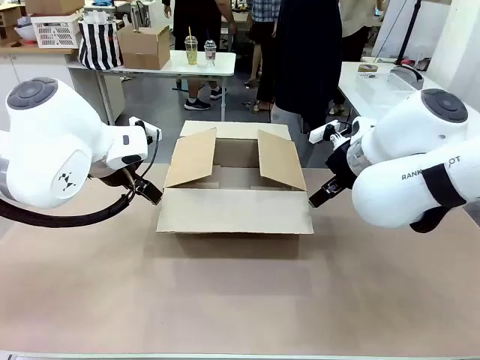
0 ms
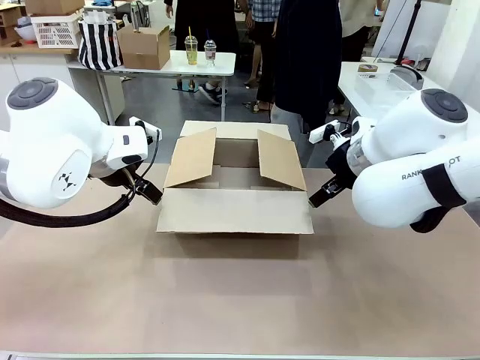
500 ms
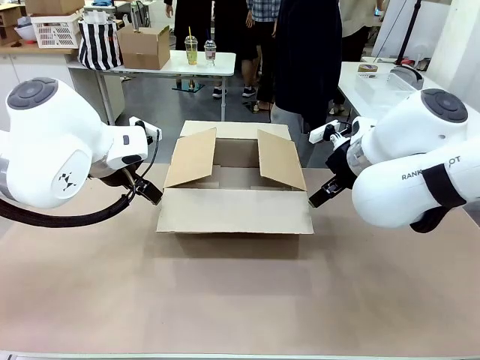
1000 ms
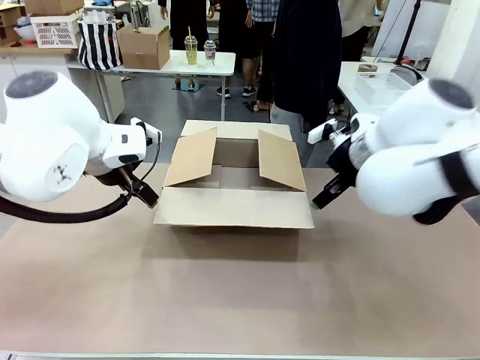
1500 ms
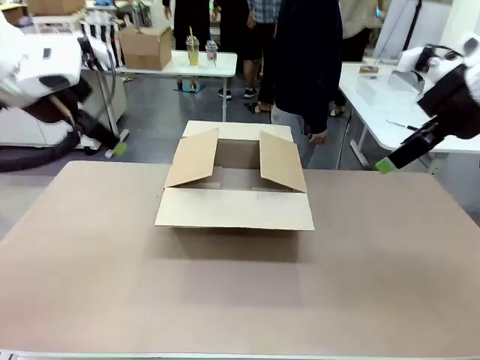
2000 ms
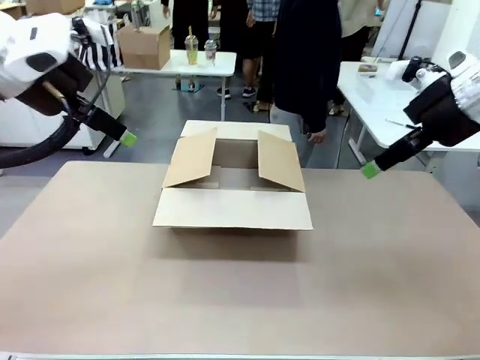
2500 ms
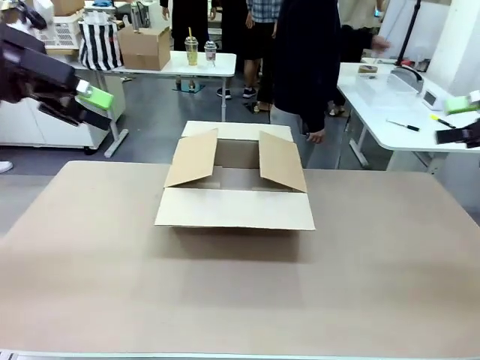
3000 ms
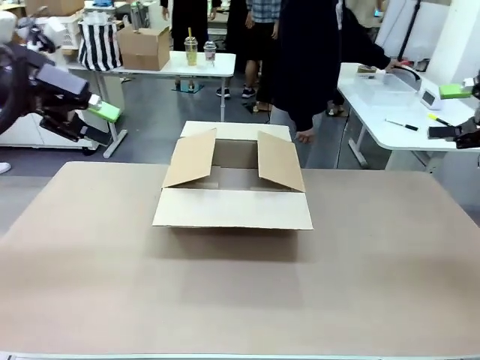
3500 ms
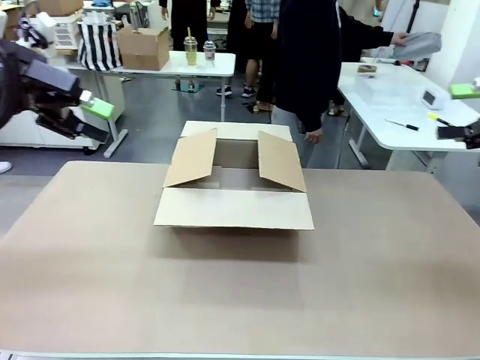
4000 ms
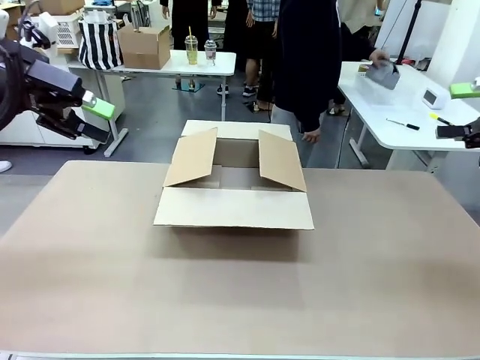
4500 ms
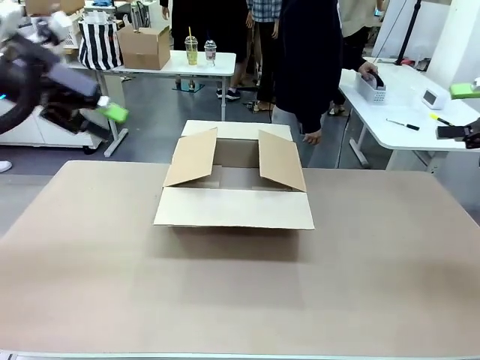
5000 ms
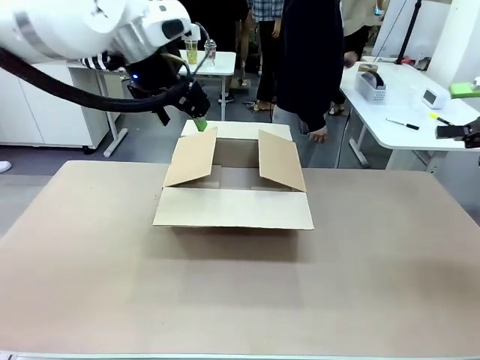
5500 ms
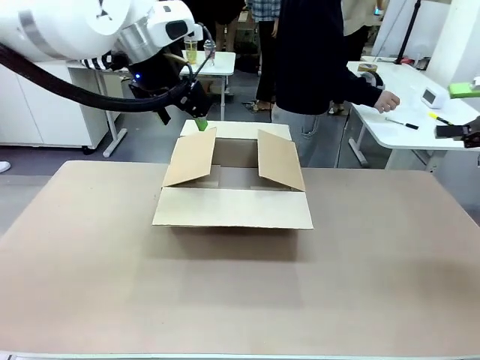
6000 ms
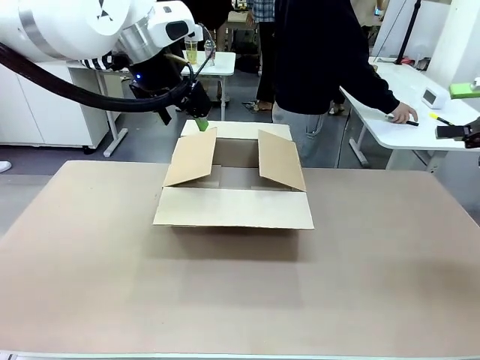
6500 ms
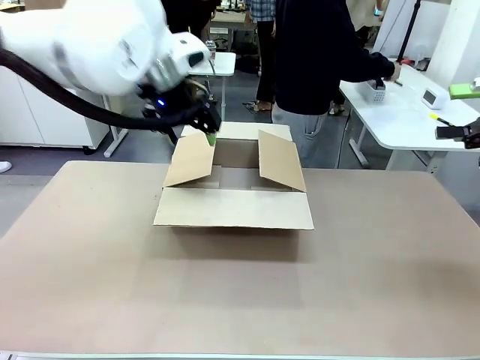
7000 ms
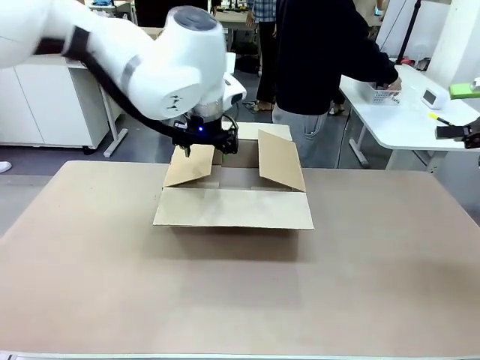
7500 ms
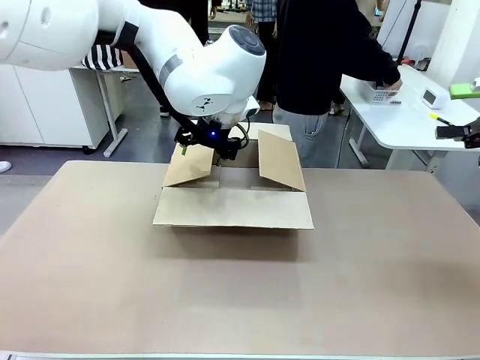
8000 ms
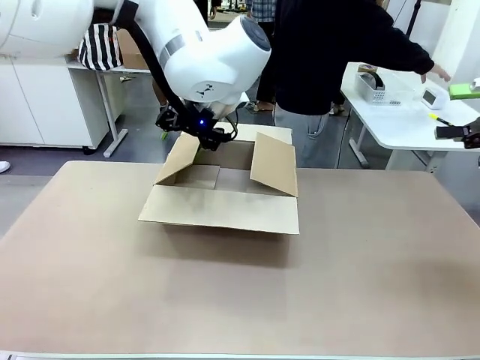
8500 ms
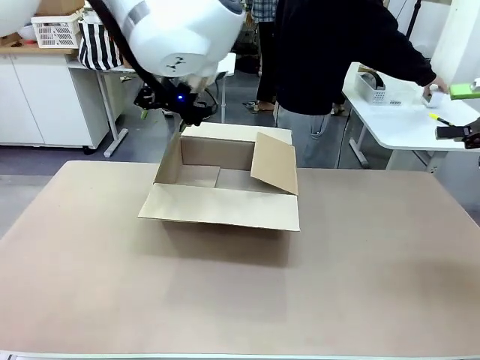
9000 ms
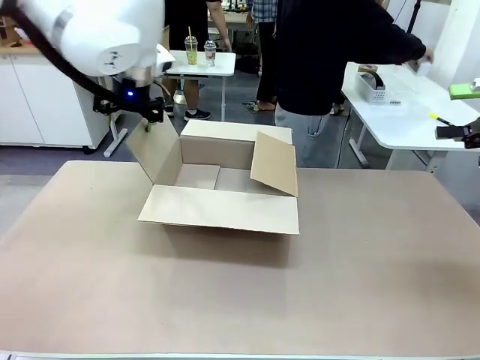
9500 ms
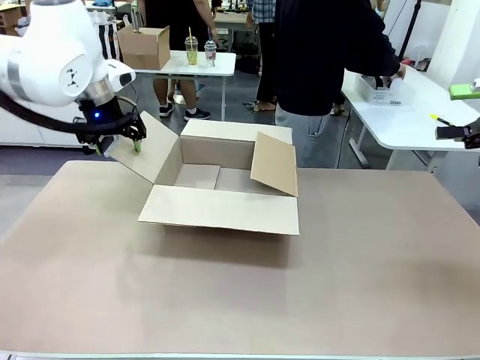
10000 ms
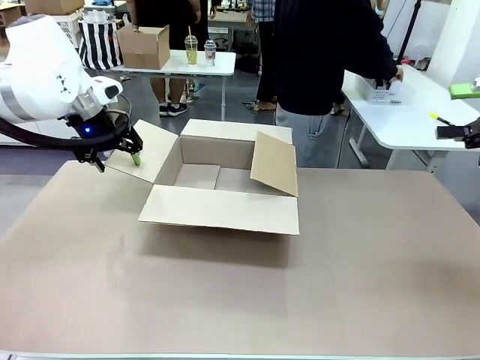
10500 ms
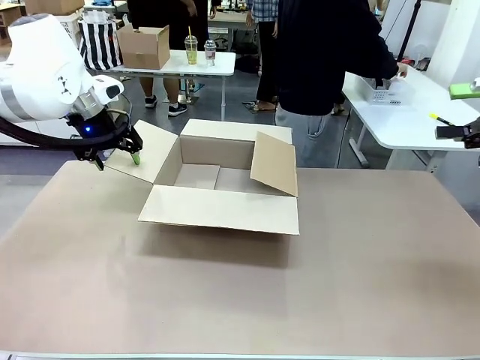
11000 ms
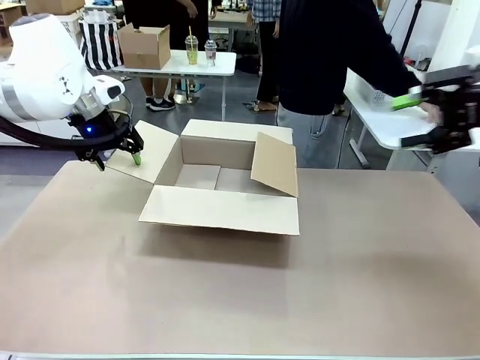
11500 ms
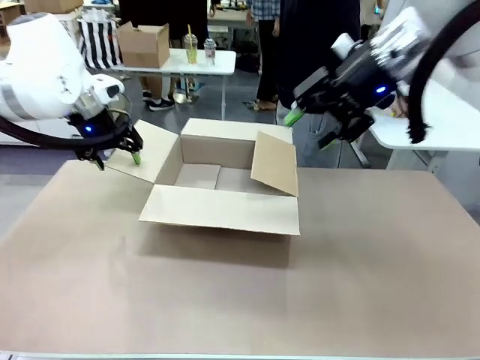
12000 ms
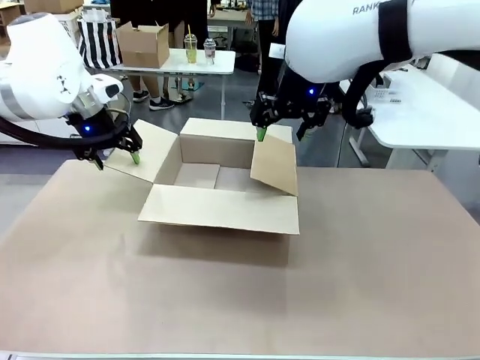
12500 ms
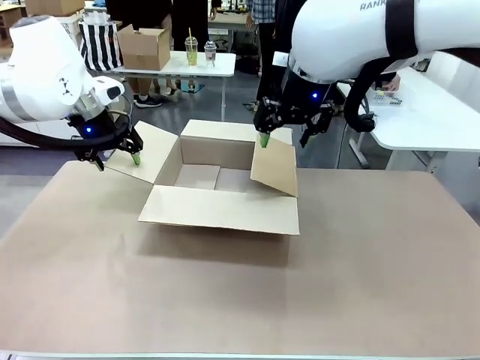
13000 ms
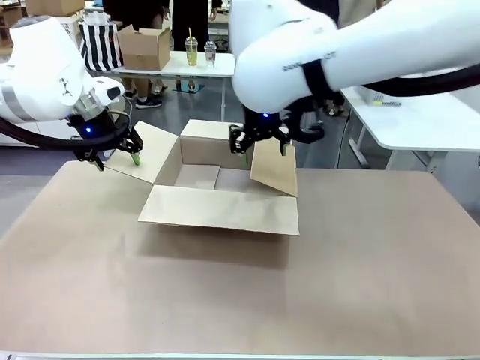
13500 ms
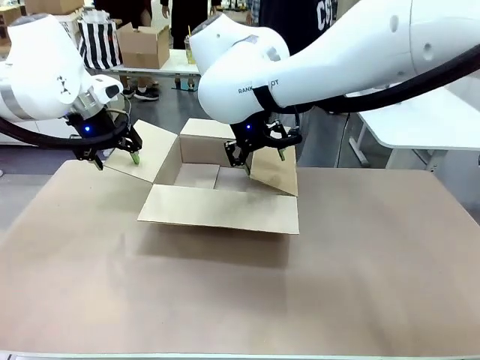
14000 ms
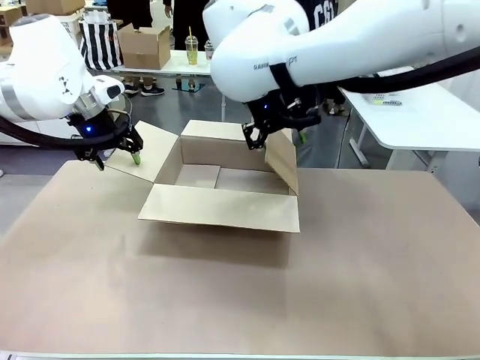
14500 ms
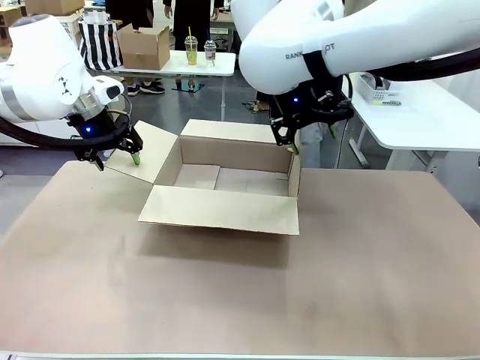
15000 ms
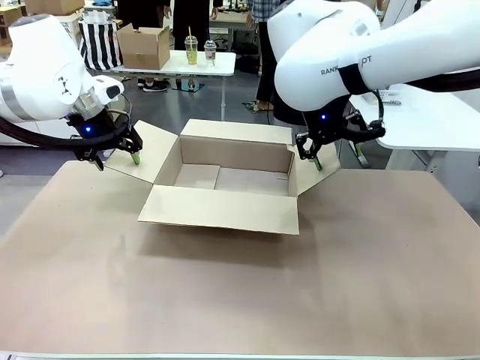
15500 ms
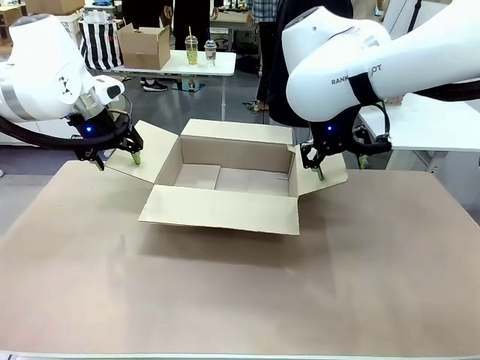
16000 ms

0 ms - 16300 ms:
Task: Pack the gift set into the box.
Robot: Place both hands on the side flaps of the Package Box and spread them outward.
Person: The human places all items except the paper tape into the organizing basket.

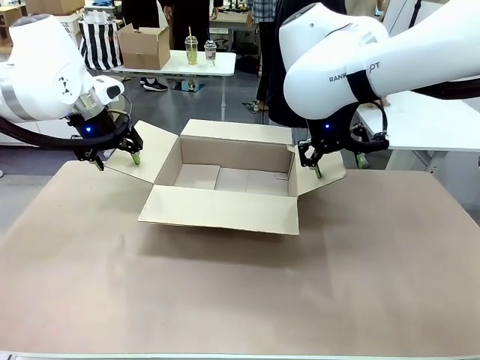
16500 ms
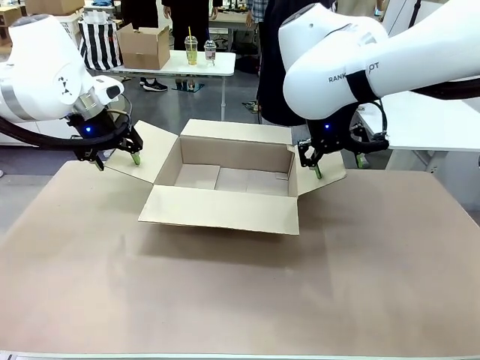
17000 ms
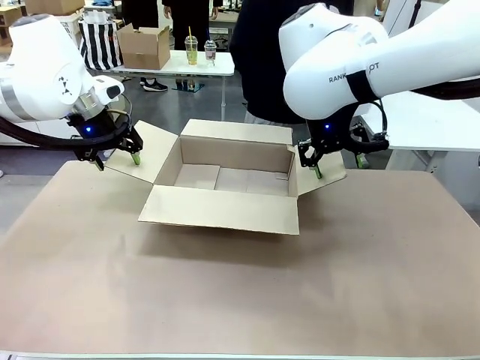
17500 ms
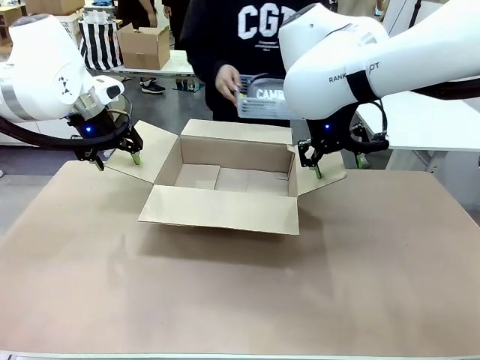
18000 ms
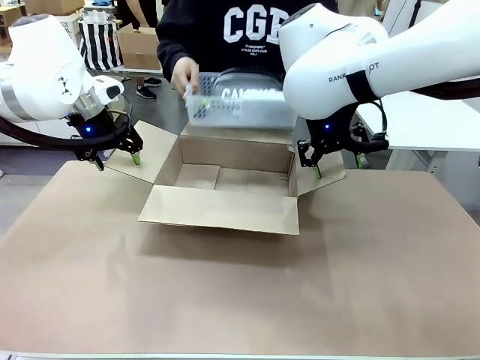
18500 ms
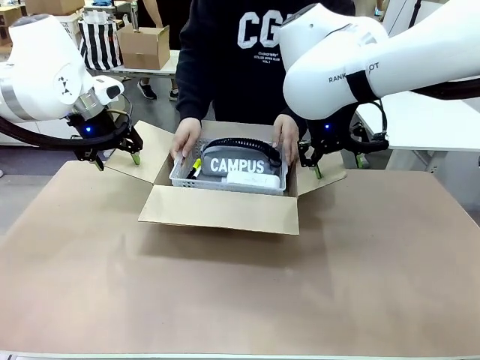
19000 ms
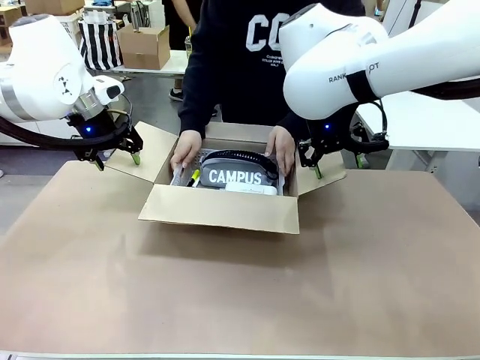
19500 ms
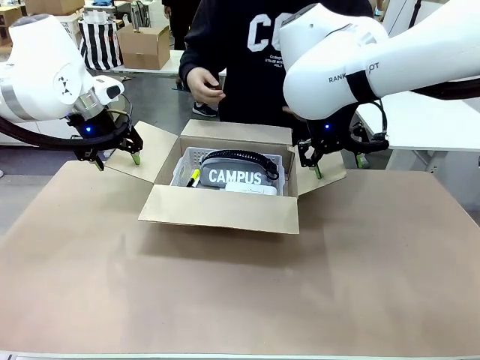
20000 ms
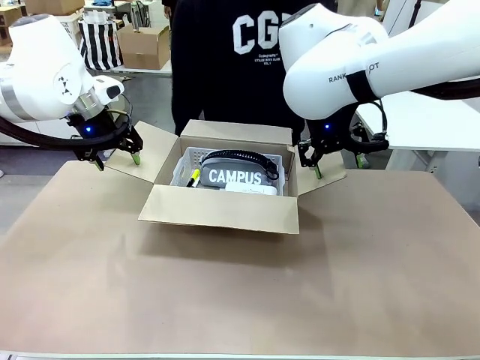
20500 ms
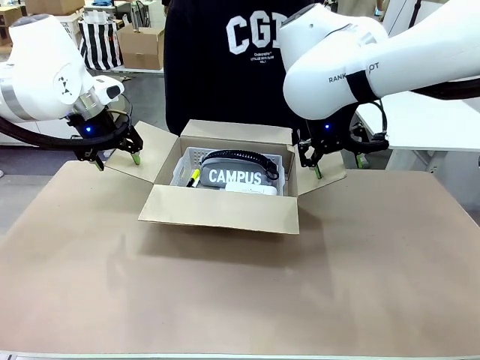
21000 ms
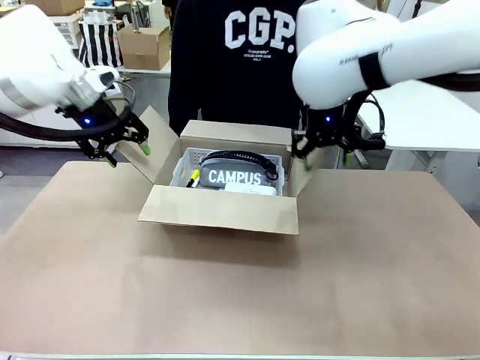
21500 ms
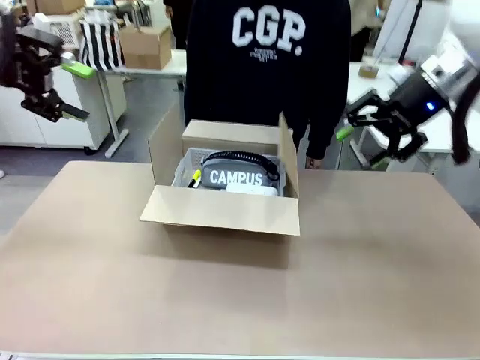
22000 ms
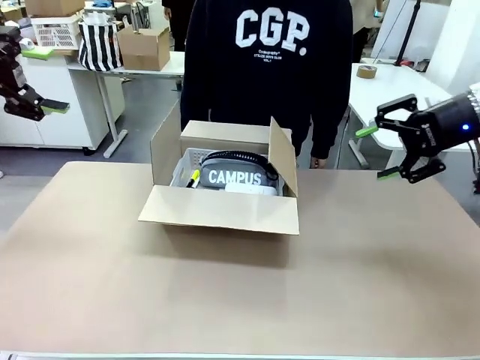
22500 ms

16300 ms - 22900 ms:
Robot: Lift both hands away from the flaps of the Package Box.
Person: The human picks up the organizing basket and places the organizing basket into the package box on the robot table.
